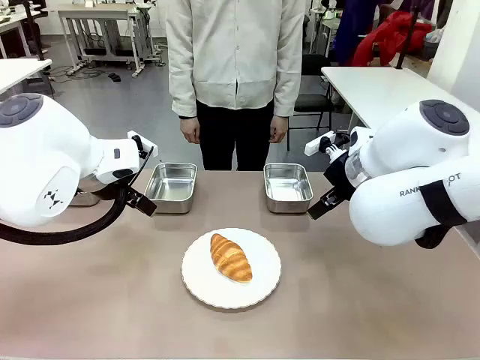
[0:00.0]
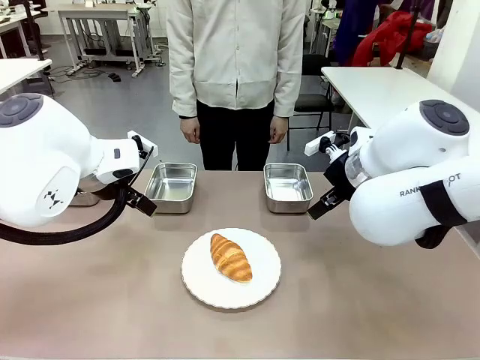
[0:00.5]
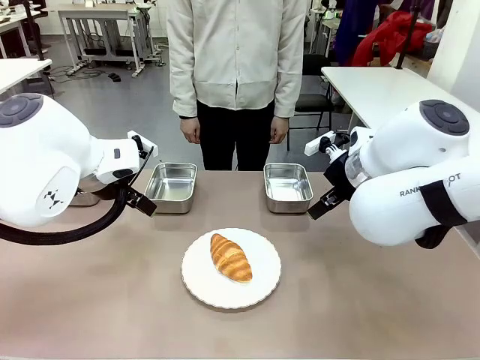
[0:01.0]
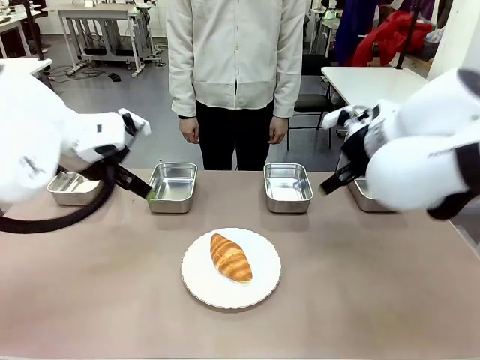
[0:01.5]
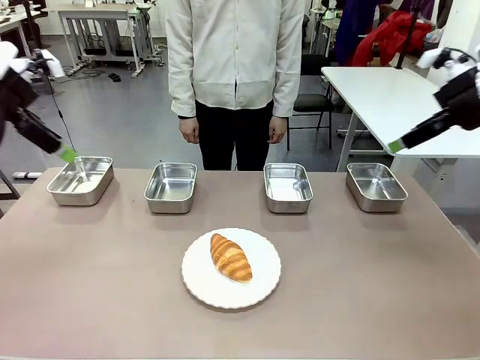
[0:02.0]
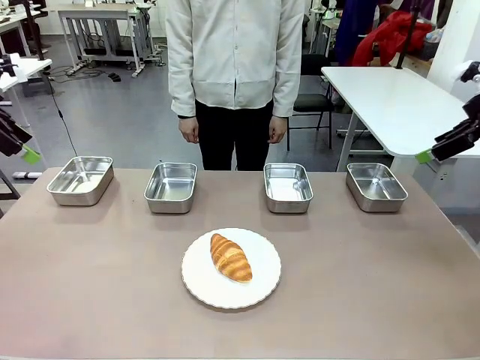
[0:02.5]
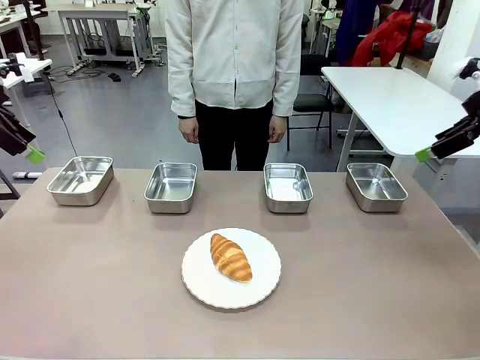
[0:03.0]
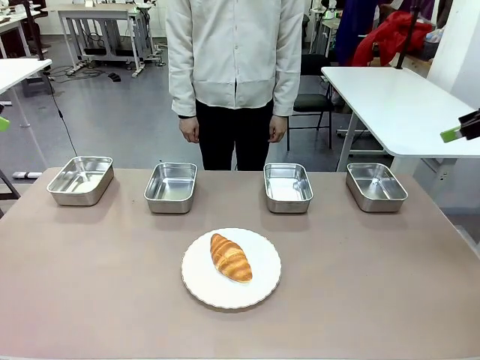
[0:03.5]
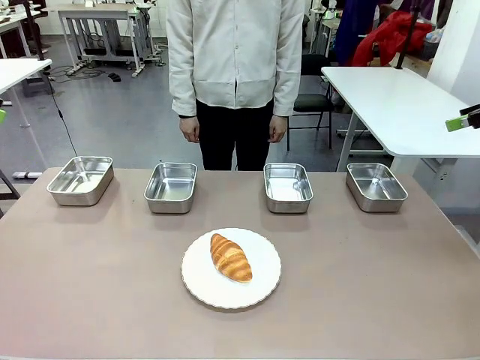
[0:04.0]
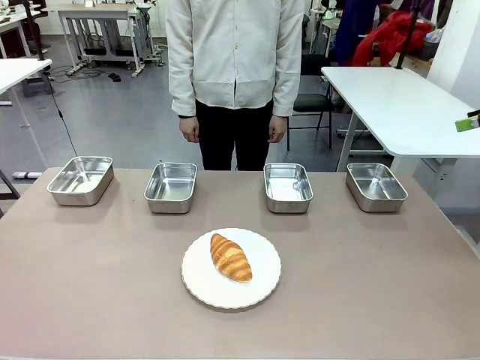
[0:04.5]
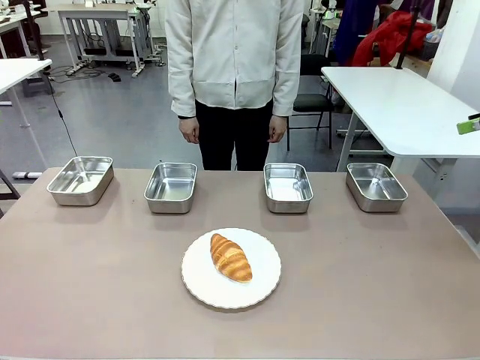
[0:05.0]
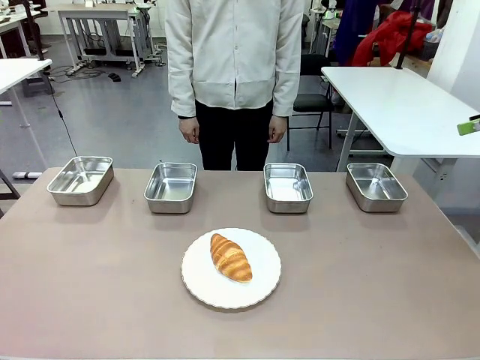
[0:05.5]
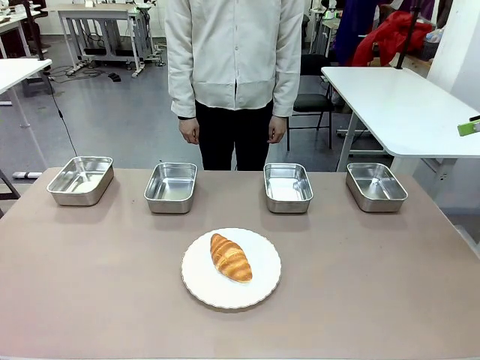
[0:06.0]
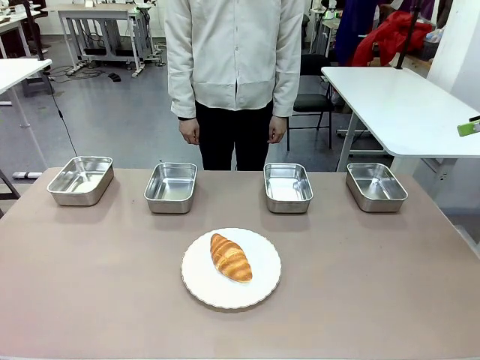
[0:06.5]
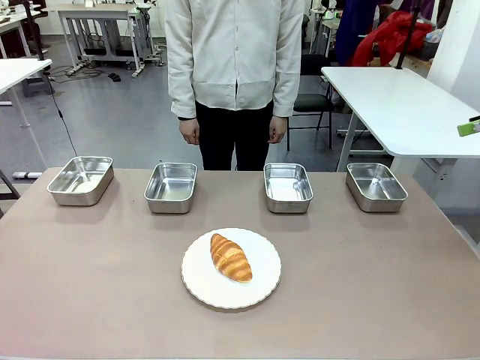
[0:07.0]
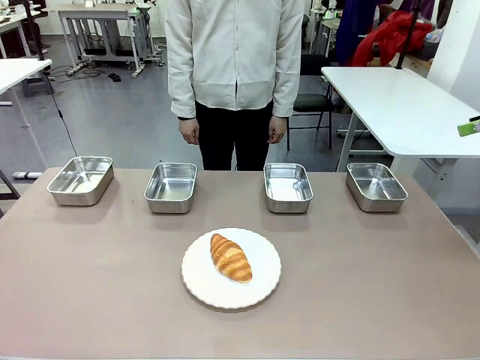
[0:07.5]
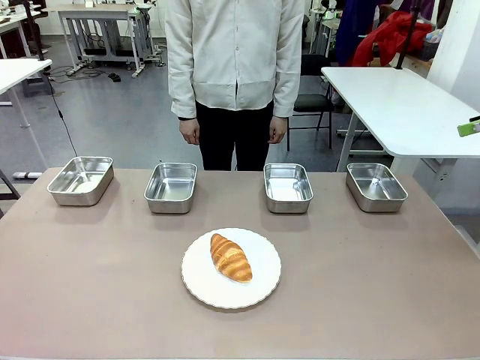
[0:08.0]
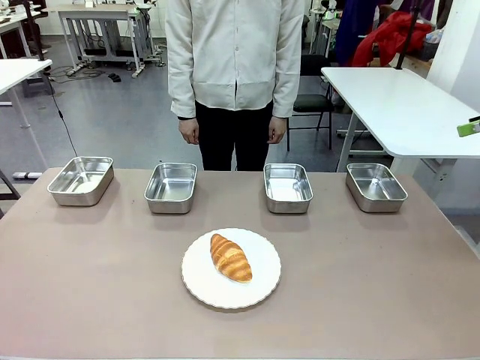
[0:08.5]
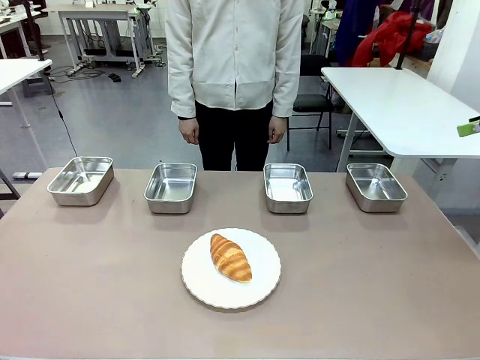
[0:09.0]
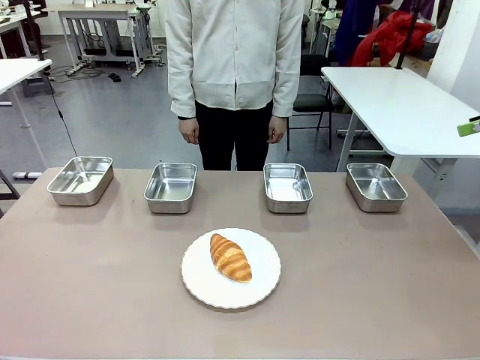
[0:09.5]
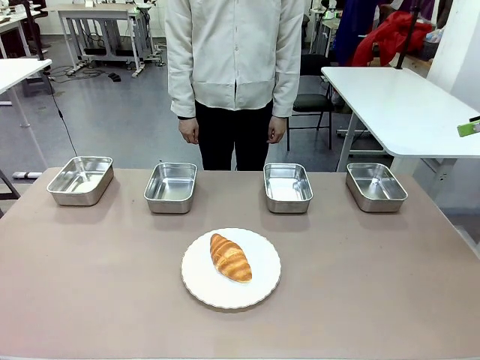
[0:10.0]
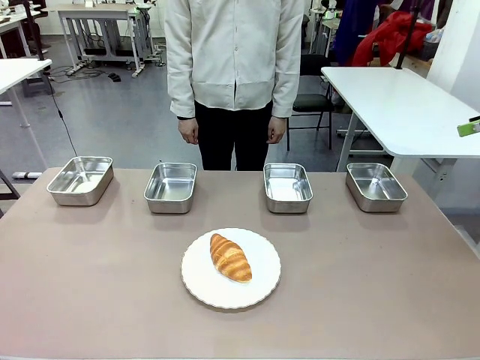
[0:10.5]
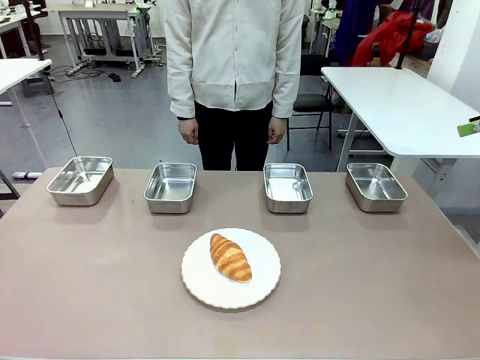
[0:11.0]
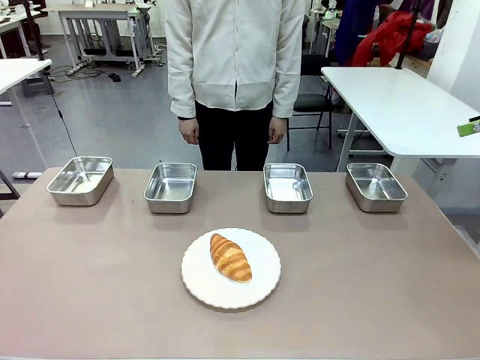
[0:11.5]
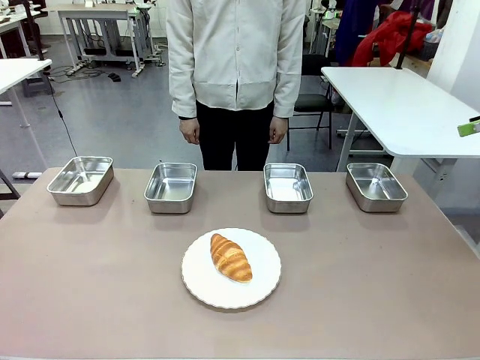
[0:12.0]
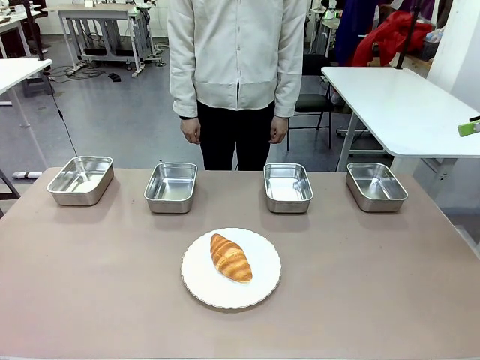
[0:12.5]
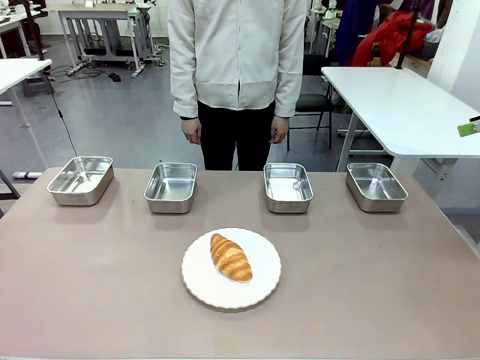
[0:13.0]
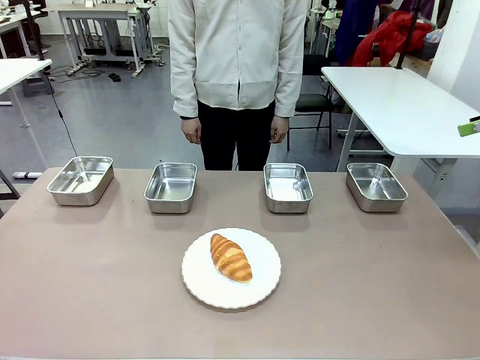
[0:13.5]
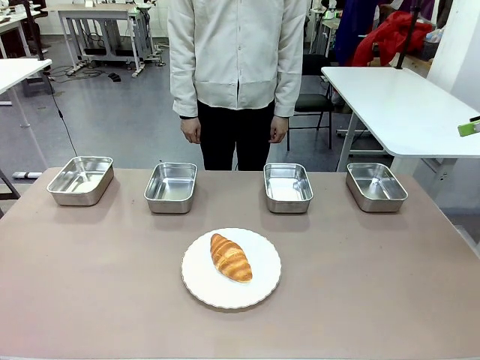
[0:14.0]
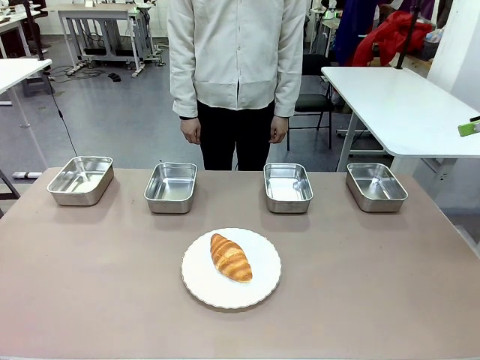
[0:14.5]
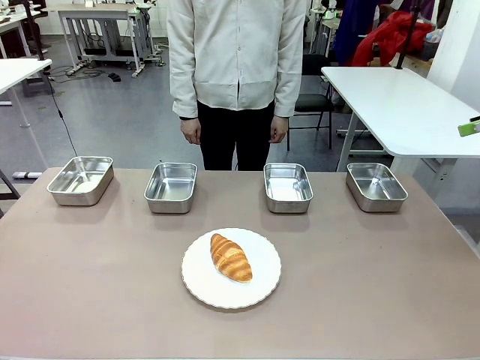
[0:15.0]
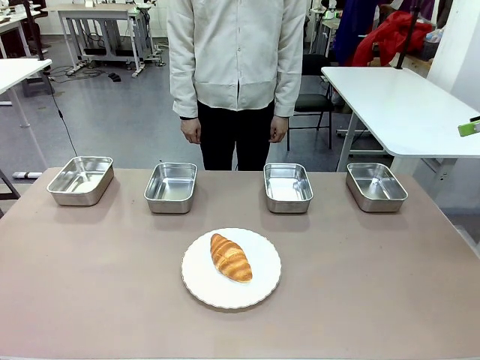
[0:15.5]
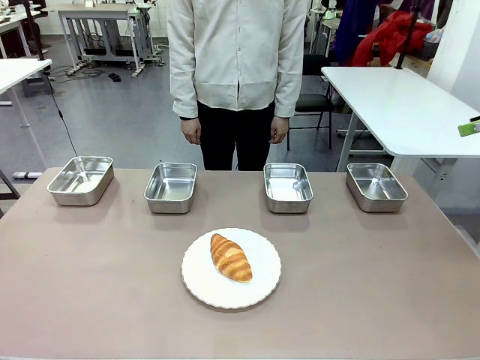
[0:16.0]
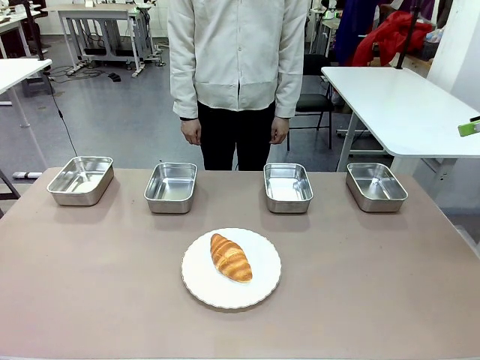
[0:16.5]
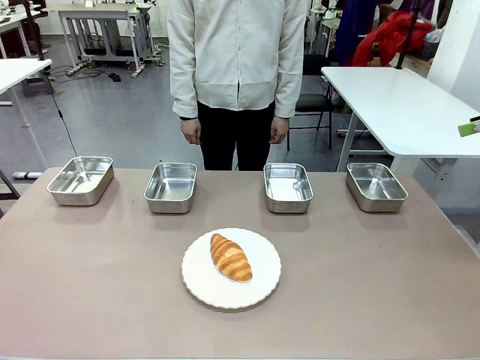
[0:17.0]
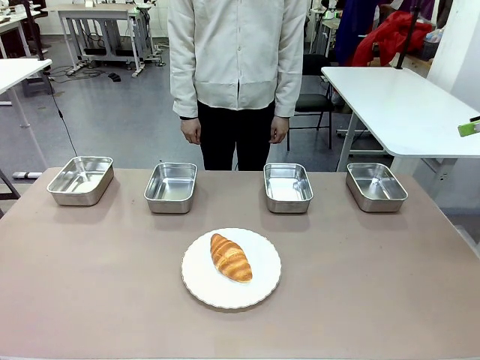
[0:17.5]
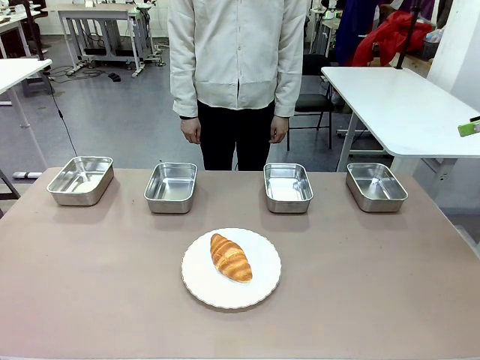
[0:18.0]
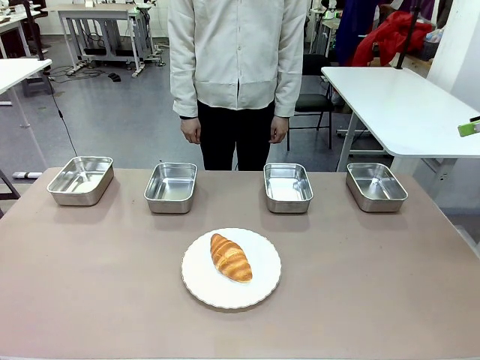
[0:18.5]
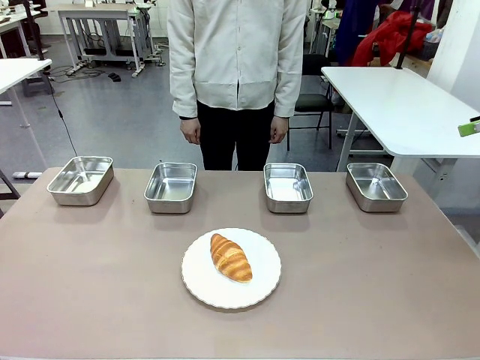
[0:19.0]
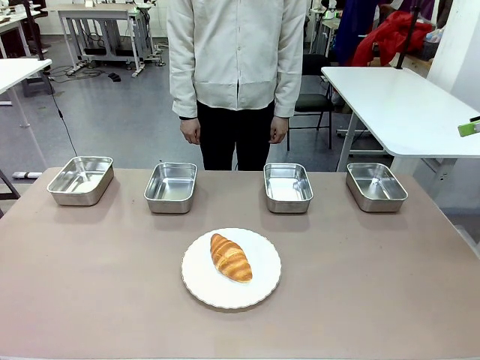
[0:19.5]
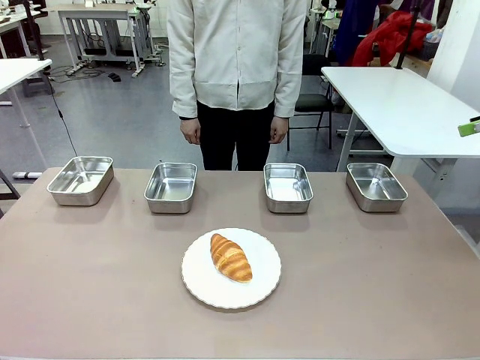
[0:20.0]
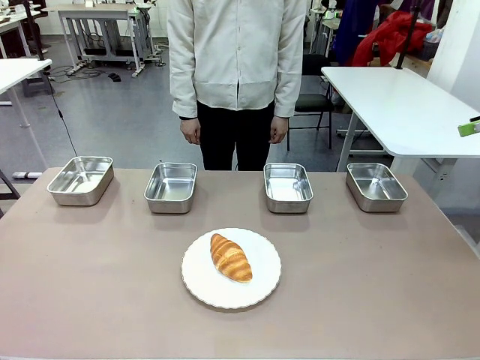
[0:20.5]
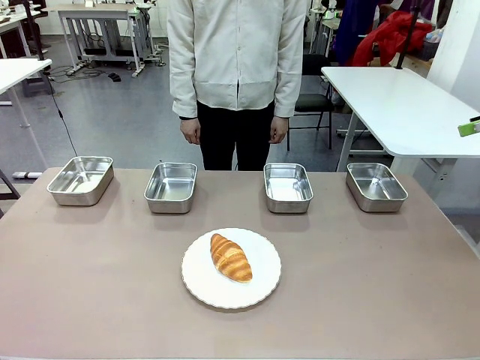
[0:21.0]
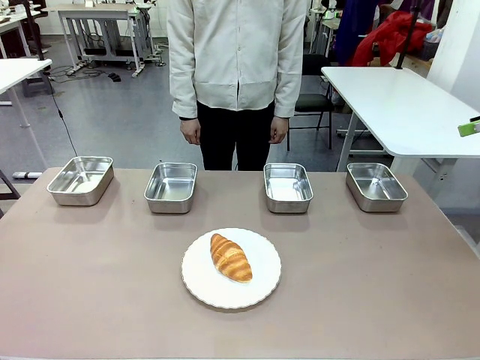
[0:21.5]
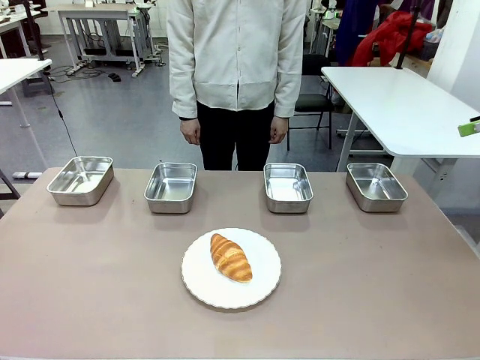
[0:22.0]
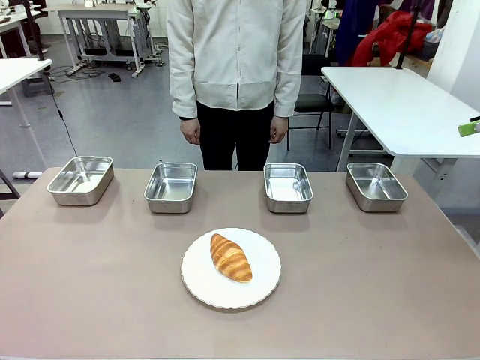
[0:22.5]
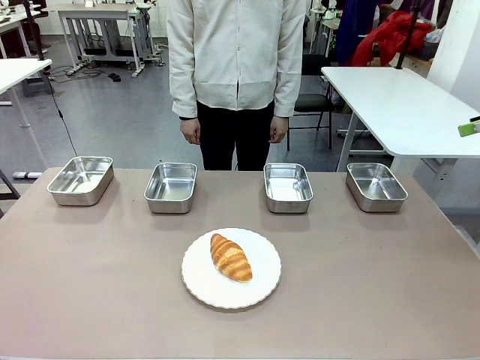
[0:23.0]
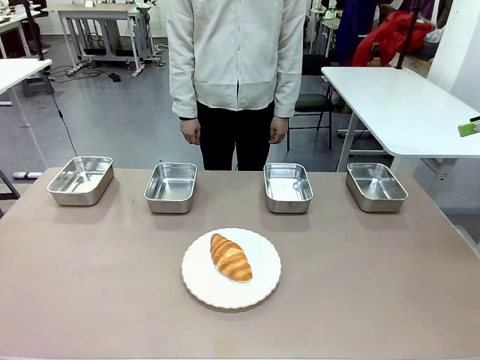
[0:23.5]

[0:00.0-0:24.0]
Task: Place the bread in the container.
Robot: Place the Butter Roll into the Airtight Container indicated by the human.
